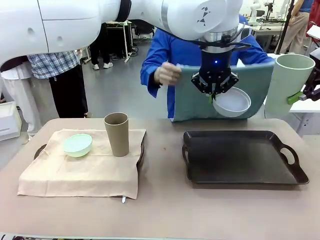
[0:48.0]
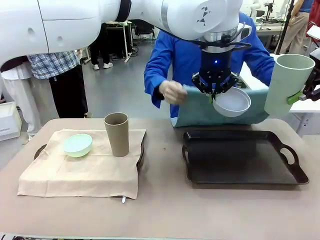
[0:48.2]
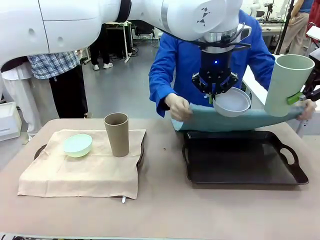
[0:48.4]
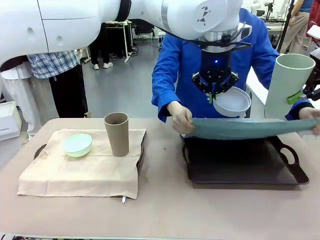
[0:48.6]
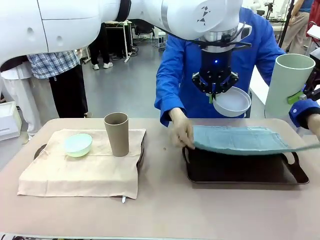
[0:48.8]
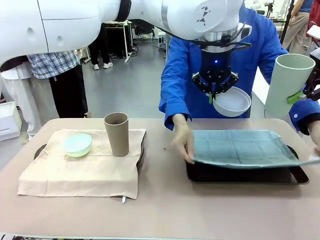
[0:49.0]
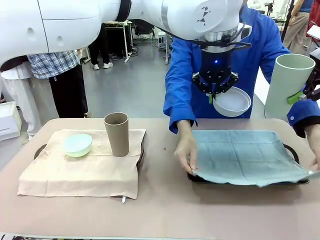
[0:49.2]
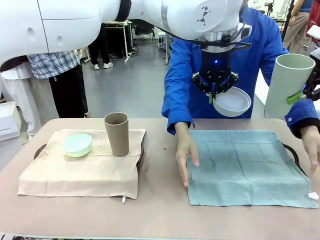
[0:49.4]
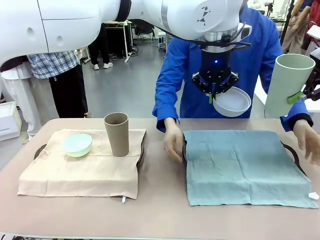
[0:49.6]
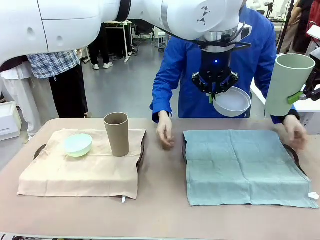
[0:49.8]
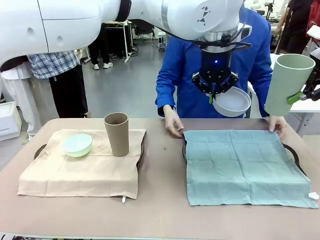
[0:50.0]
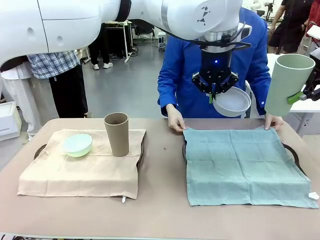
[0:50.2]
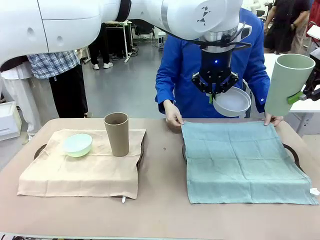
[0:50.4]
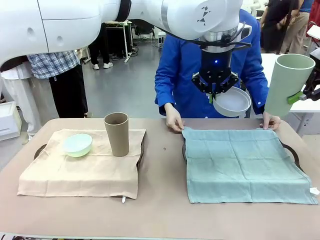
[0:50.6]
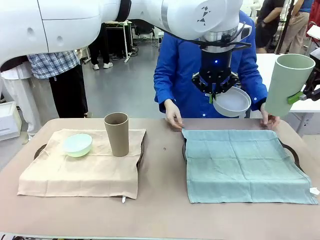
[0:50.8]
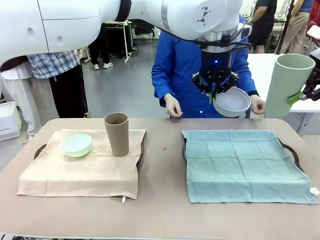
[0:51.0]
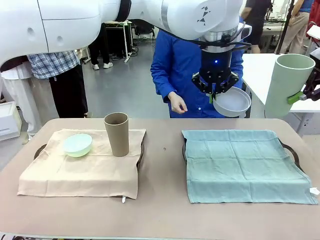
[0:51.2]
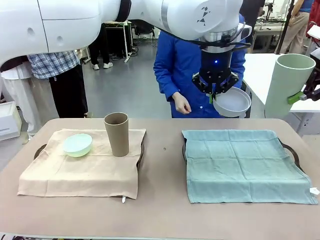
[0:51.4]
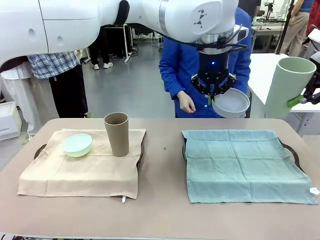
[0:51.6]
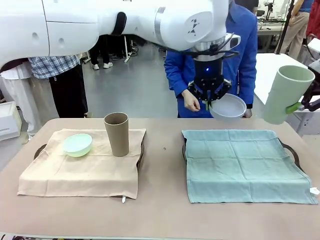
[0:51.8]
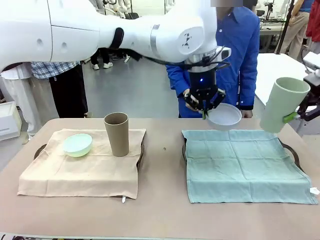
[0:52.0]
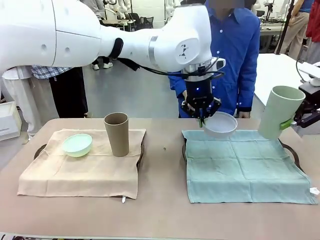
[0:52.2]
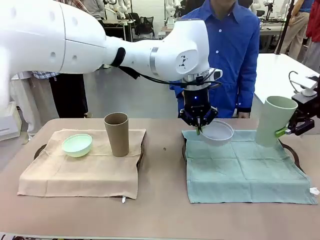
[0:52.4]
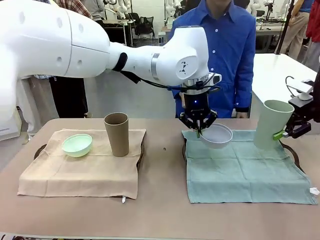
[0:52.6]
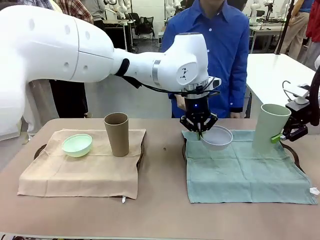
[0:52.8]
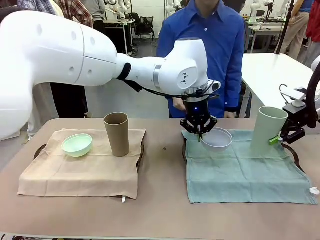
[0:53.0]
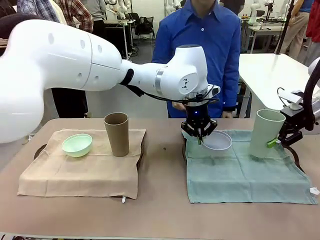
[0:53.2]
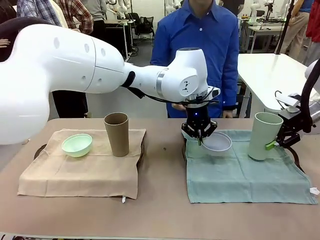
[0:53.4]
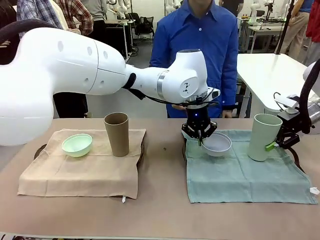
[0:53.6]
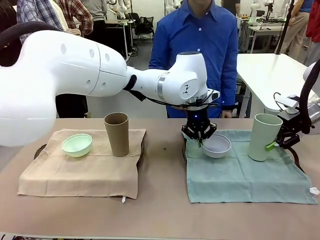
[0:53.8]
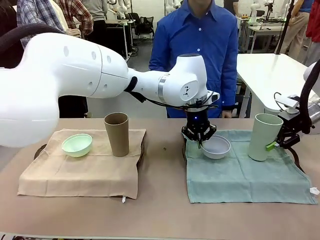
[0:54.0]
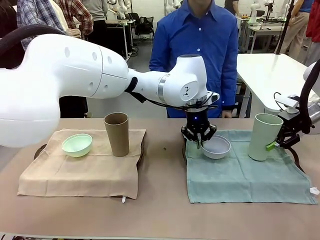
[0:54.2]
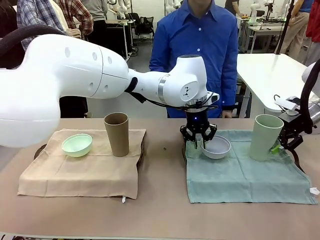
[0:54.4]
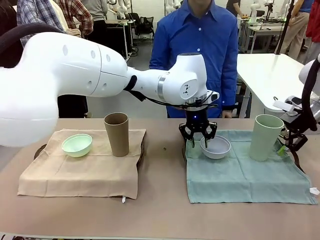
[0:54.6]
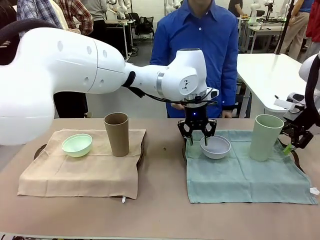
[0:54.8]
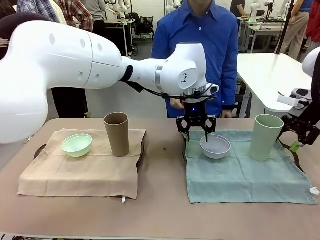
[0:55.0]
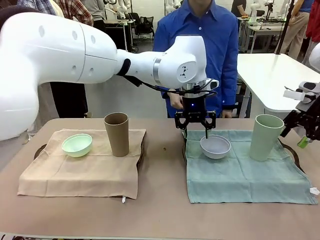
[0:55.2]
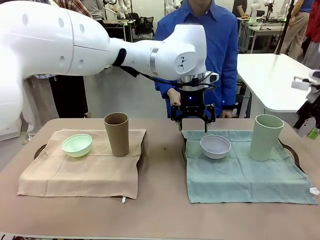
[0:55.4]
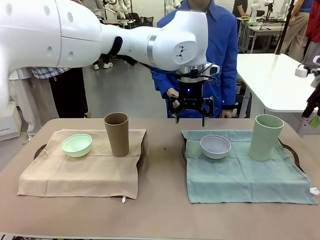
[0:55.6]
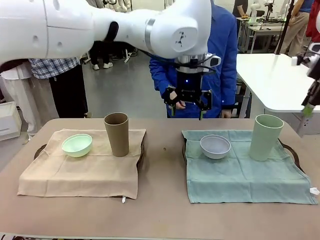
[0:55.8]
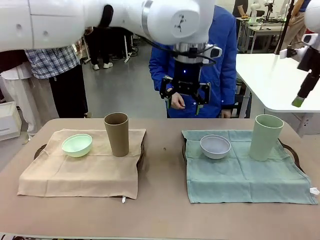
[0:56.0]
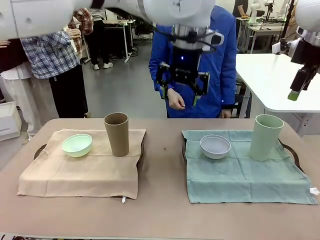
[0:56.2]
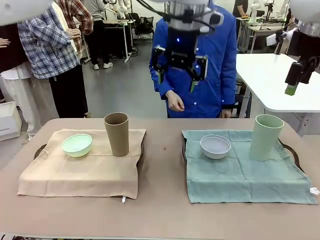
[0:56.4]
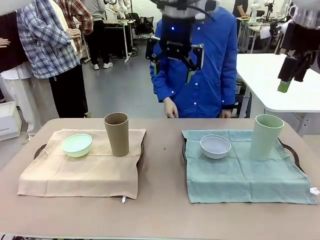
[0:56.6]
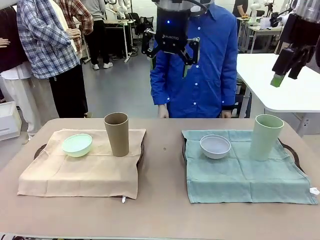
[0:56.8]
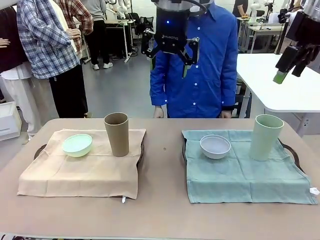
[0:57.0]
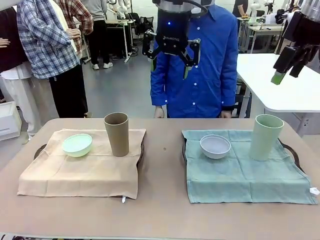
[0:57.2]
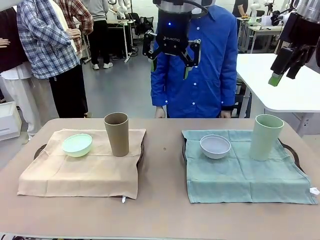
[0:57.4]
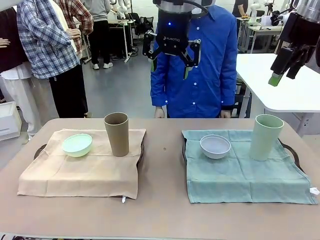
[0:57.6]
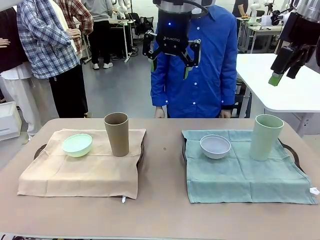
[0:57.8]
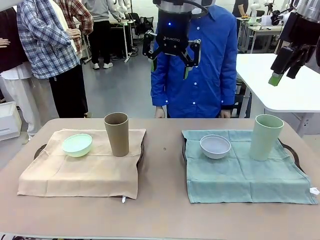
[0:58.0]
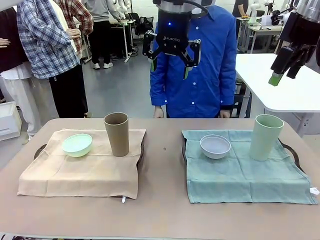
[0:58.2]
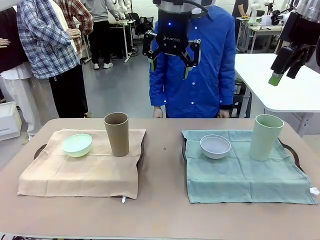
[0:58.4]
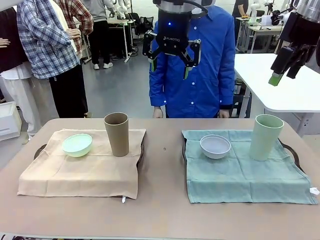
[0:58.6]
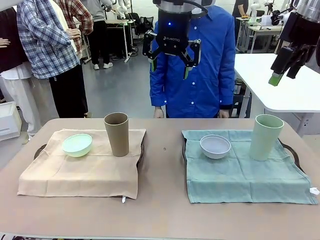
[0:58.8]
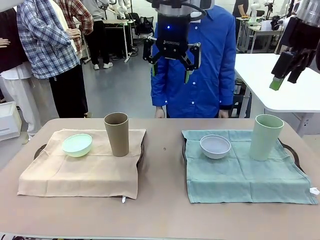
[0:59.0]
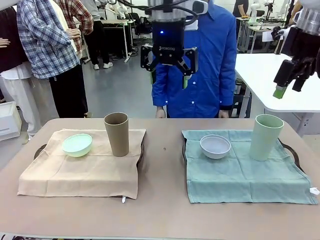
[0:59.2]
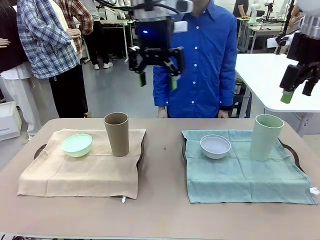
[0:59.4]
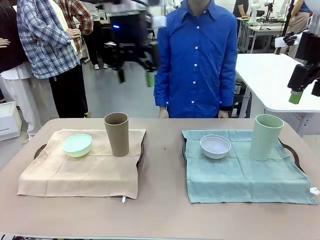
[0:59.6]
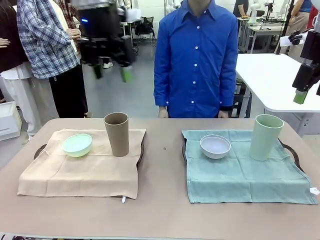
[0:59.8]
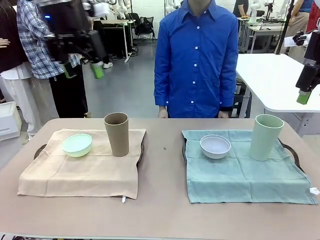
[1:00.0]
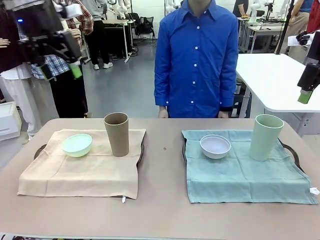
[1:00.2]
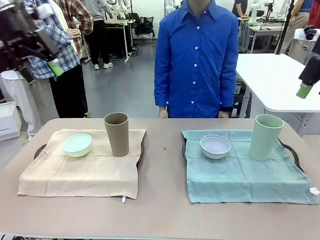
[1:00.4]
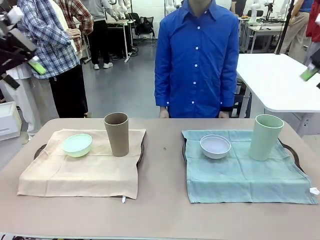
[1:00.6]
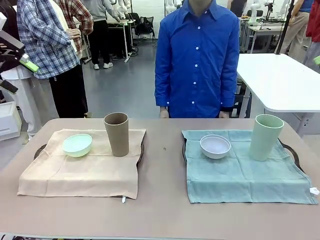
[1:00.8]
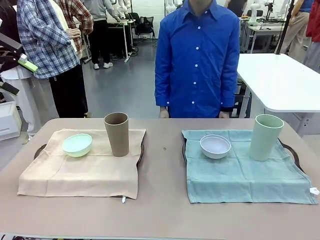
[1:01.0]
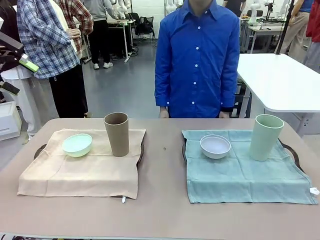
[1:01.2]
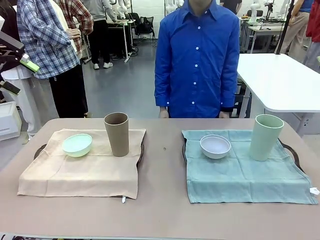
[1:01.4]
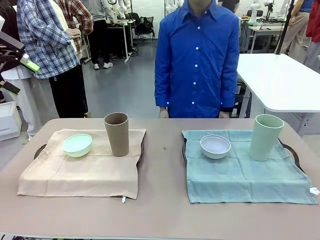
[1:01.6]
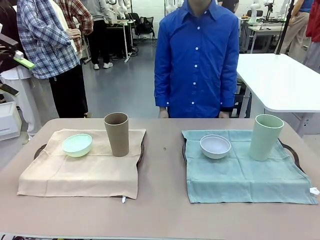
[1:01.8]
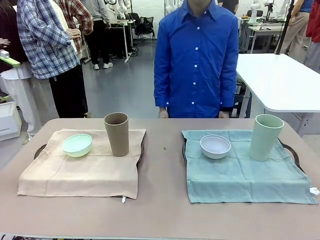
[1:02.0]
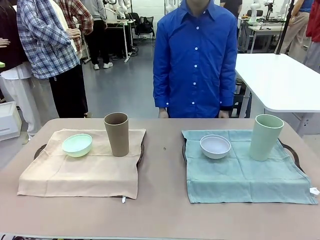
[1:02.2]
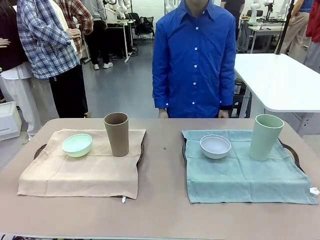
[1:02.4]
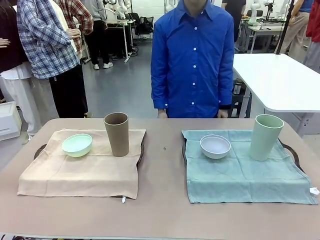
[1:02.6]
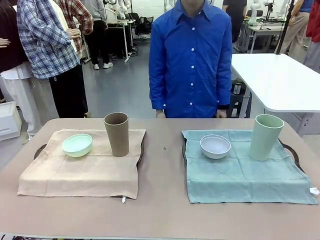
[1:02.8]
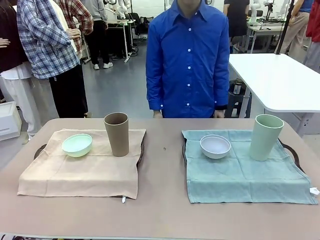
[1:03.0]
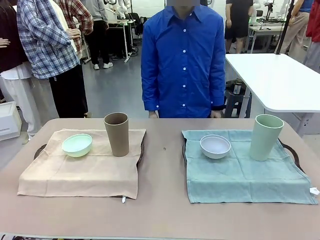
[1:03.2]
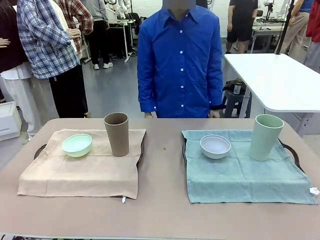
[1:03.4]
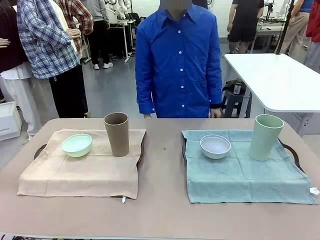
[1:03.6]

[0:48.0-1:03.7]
Robot: Place the Picnic Bowl and Reusable plastic cup back onto the Handle tray in front of the human's position.
Person: When the robot lifts the bowl and the cup, the human unfolds the napkin and lays the napkin flat on the tray.

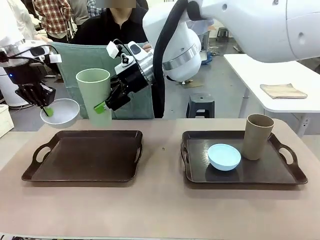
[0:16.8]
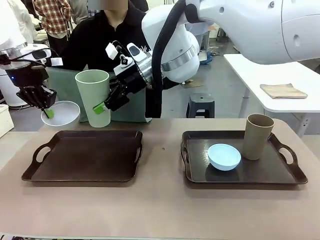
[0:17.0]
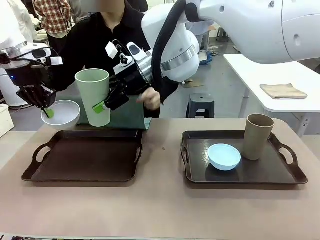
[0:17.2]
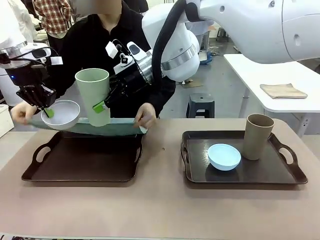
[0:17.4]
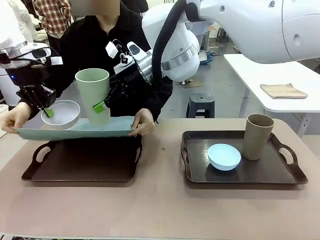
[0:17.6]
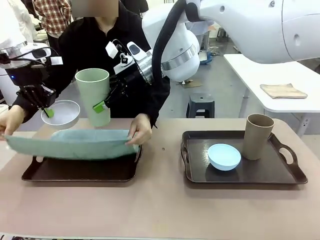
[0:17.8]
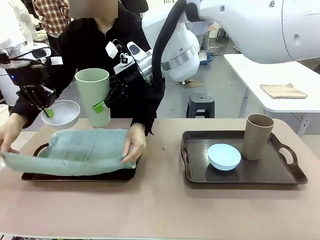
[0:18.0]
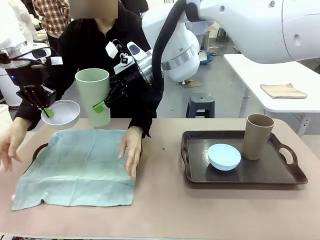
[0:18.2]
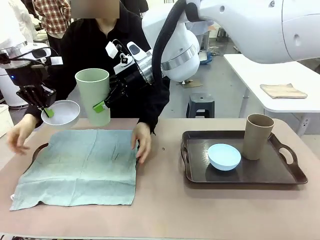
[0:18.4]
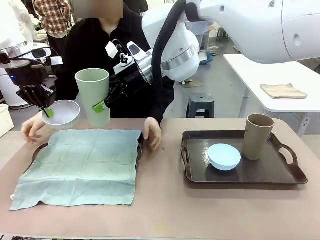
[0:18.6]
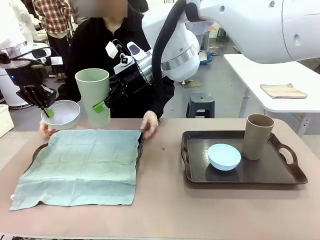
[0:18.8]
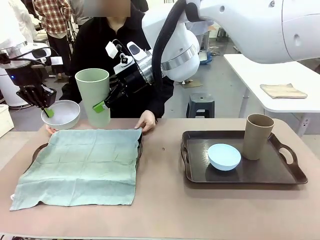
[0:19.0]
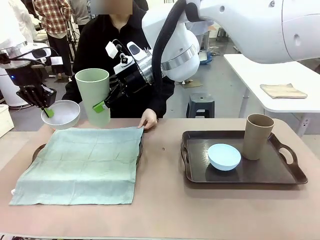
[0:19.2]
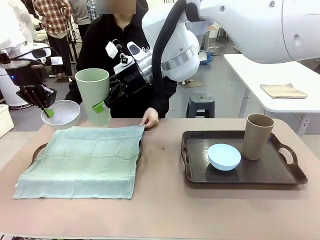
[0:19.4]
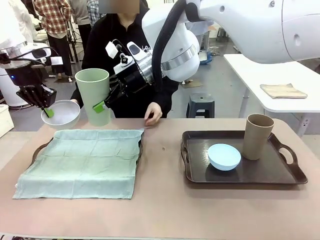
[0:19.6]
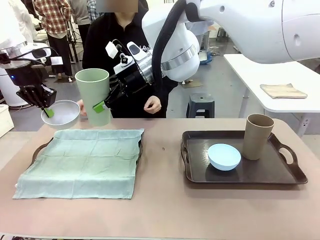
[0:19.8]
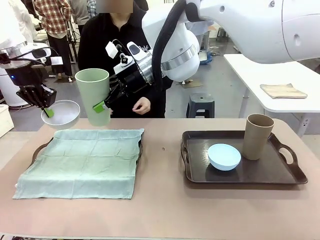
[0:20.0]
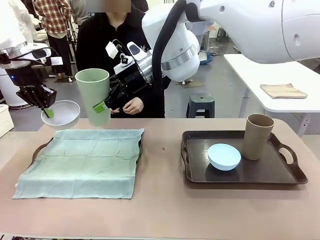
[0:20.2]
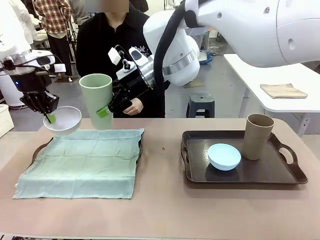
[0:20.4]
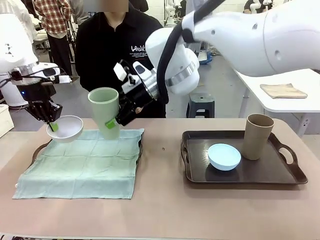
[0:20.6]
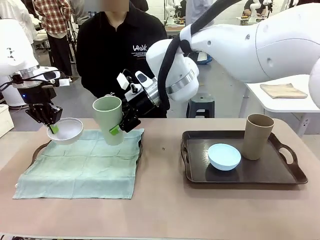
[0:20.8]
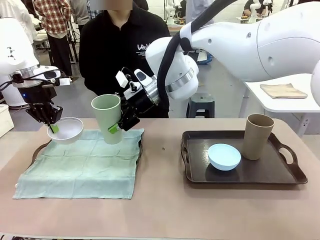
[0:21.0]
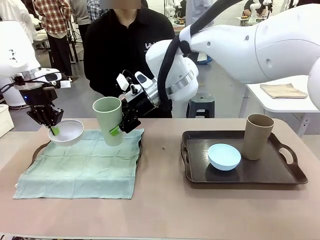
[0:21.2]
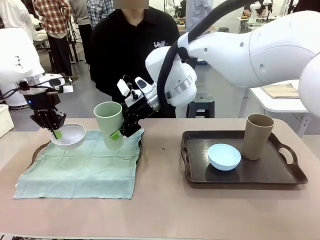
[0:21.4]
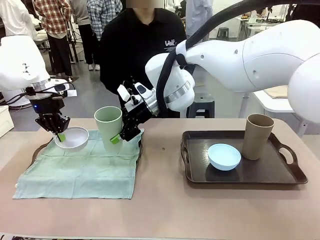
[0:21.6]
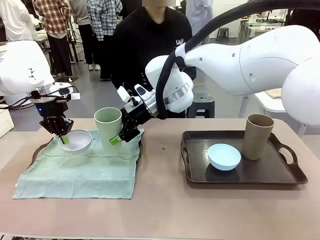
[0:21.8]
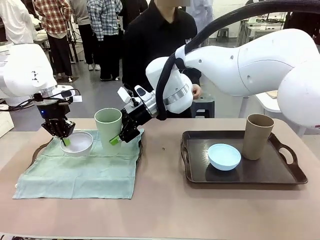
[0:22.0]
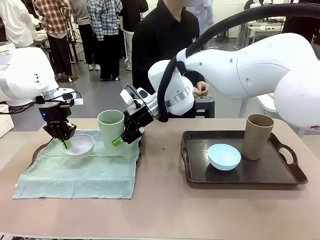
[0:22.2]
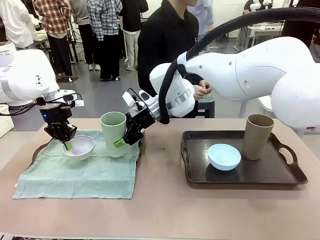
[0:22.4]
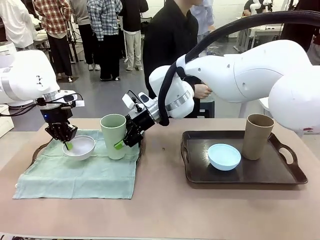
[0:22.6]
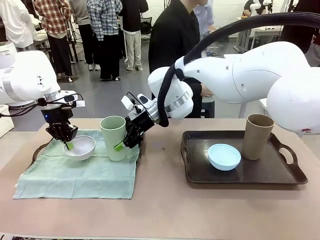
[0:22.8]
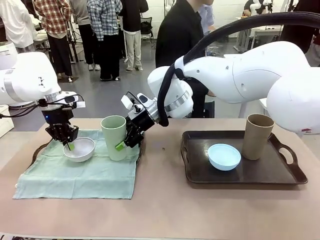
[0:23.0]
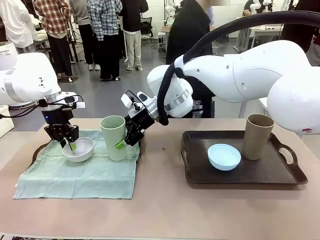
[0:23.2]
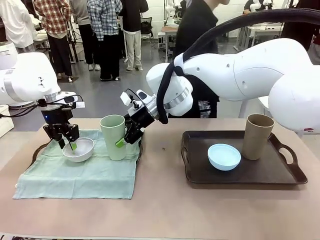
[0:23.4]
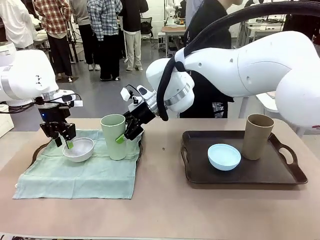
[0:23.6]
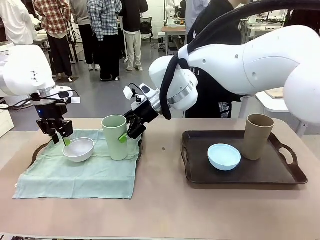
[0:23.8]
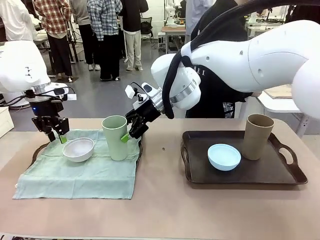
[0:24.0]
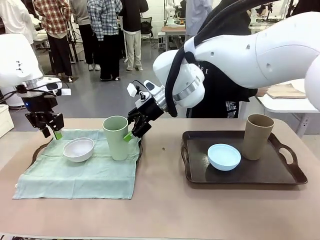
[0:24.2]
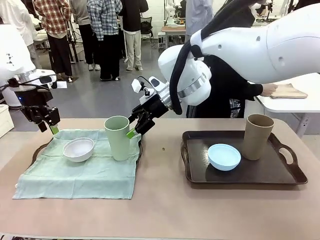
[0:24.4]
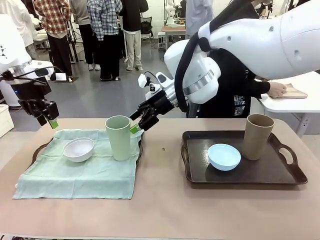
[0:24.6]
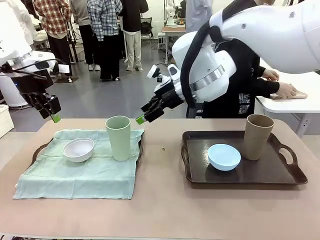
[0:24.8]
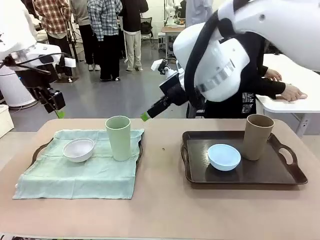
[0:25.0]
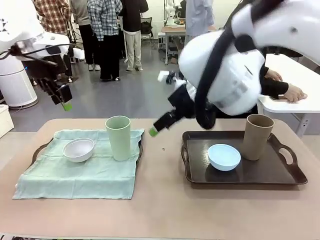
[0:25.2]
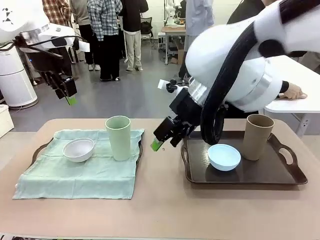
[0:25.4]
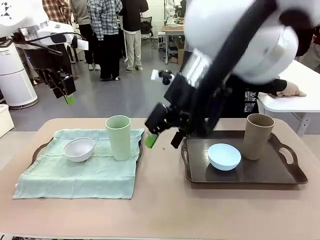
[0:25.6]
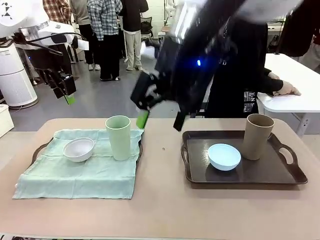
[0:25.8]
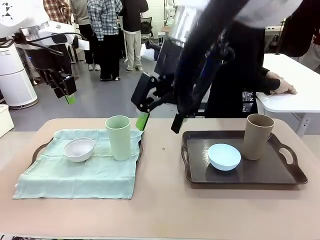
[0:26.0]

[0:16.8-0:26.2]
Robot: Place the Picnic Bowl and Reusable plastic cup back onto the Handle tray in front of the human's position.
Person: The human returns to the human table to pick up another napkin and walks to the robot table to stand in front of the tray without a napkin.
